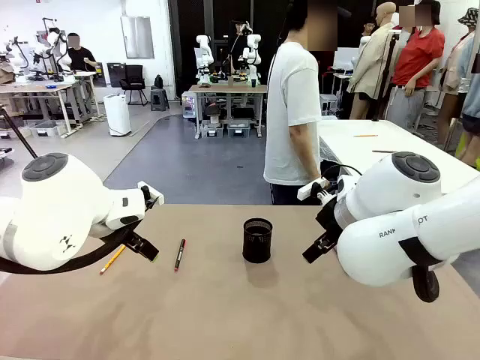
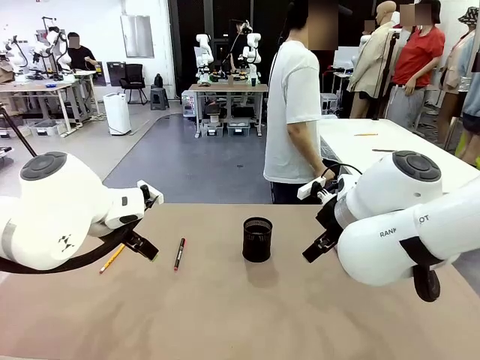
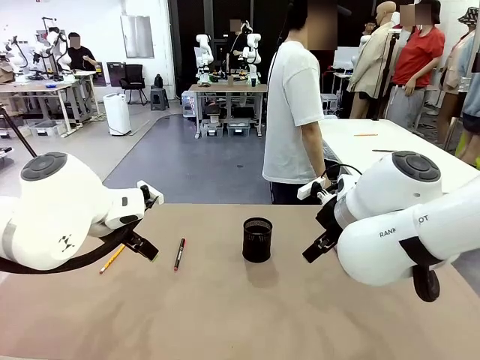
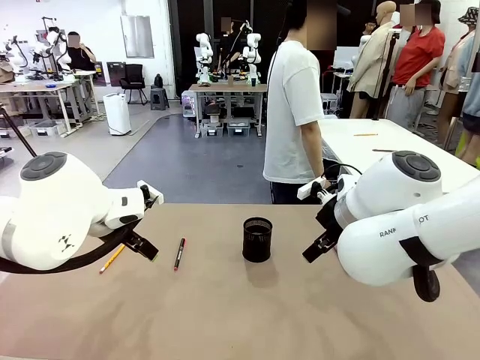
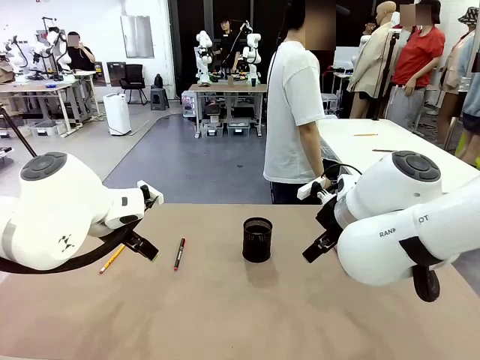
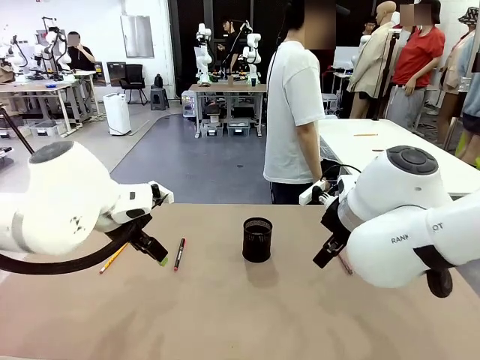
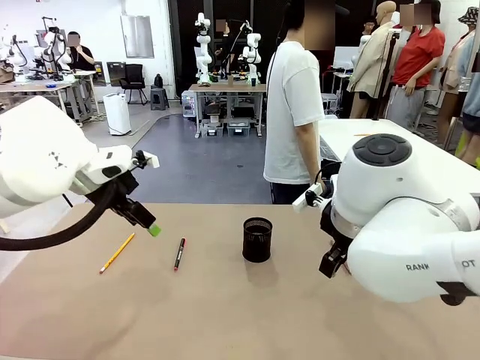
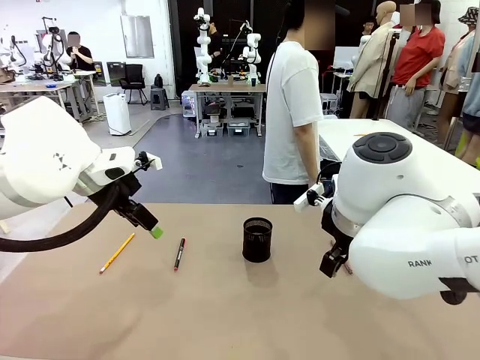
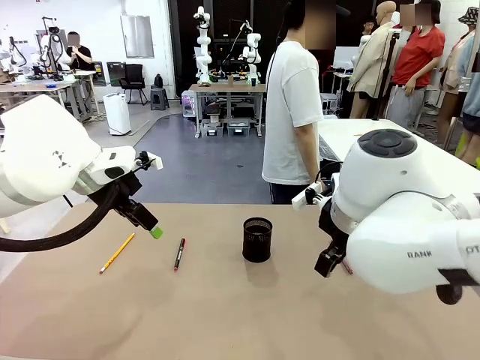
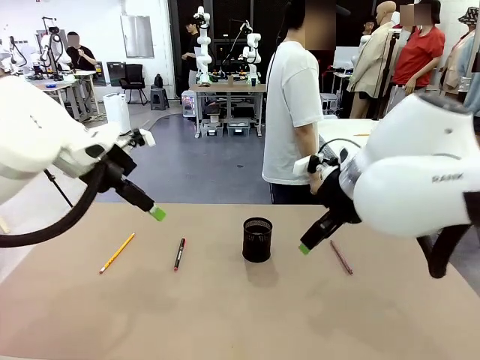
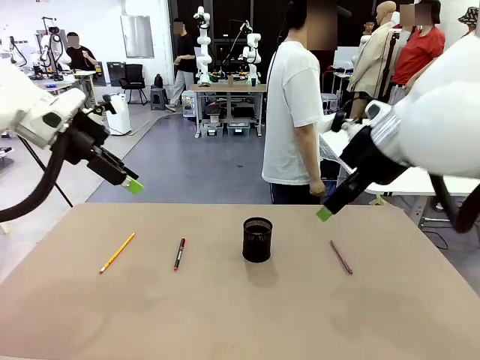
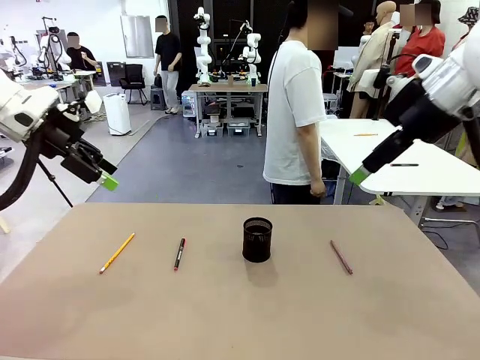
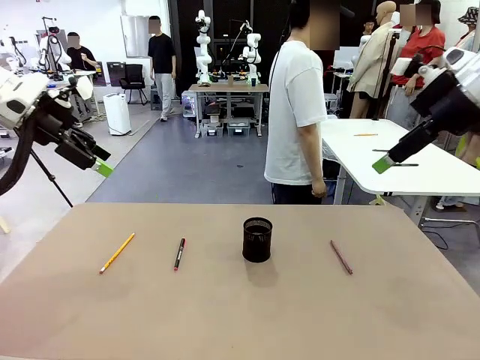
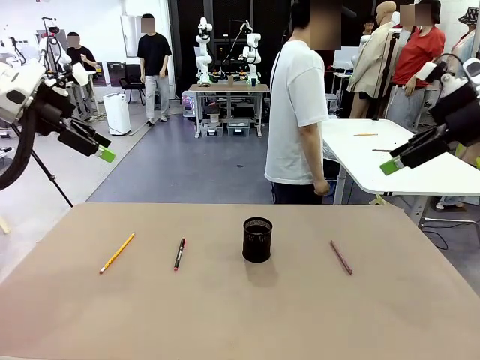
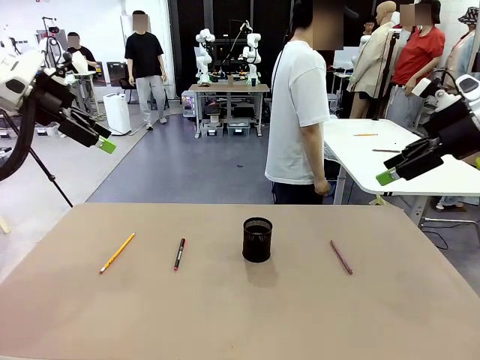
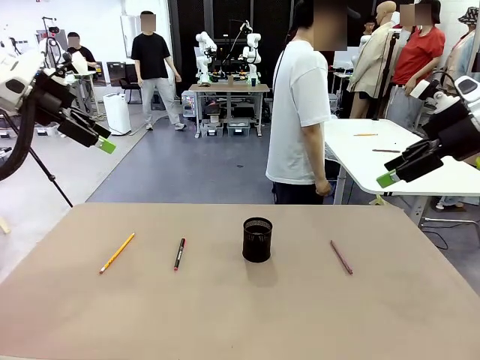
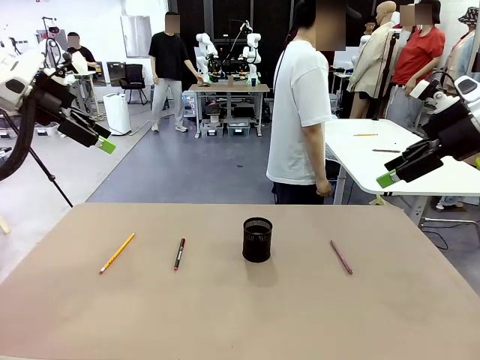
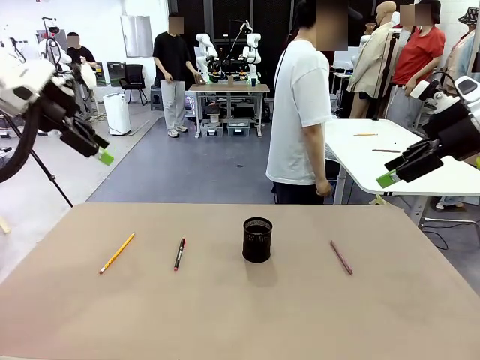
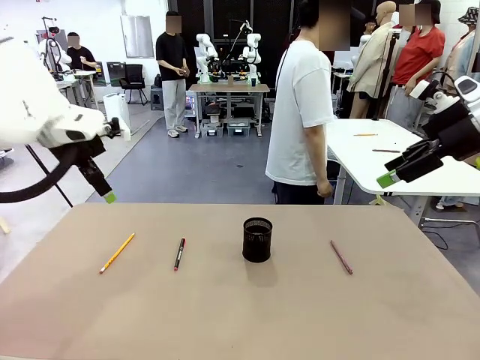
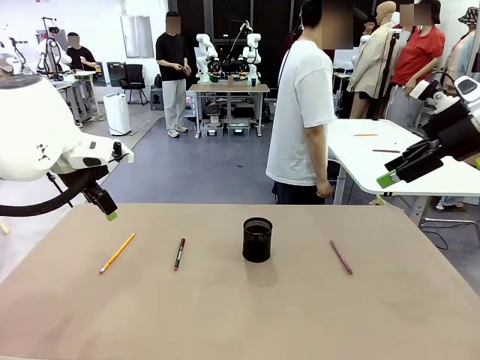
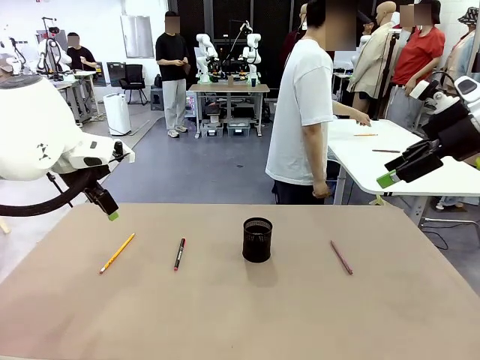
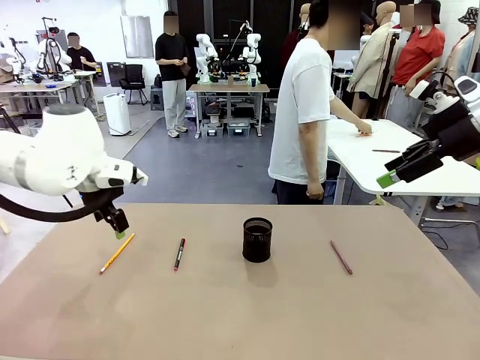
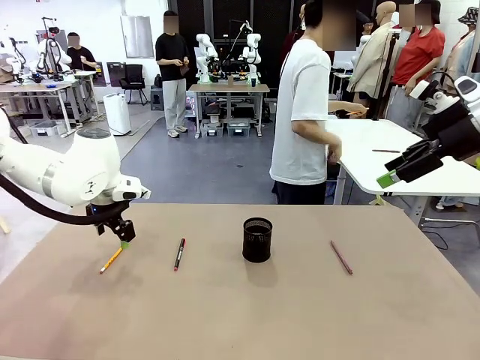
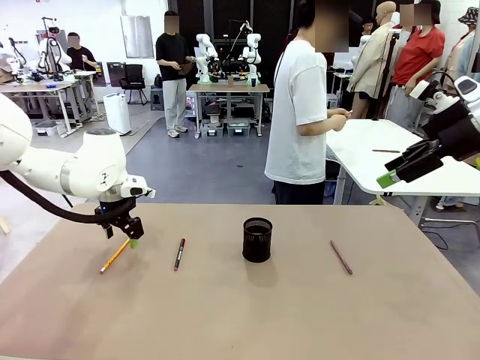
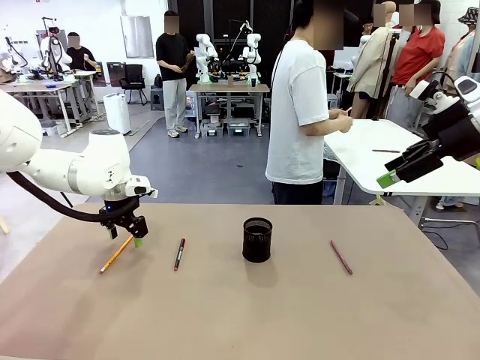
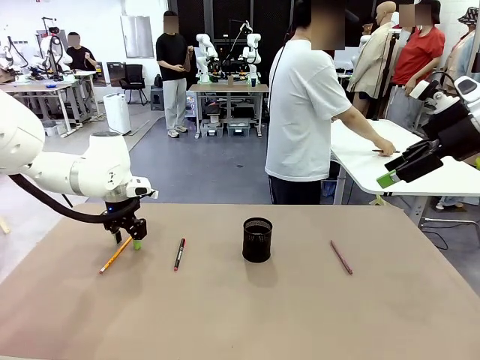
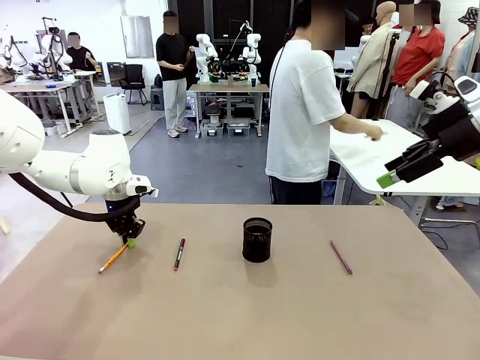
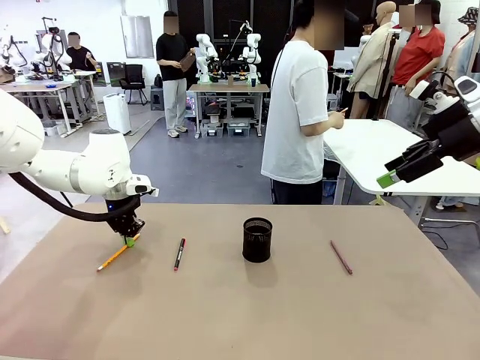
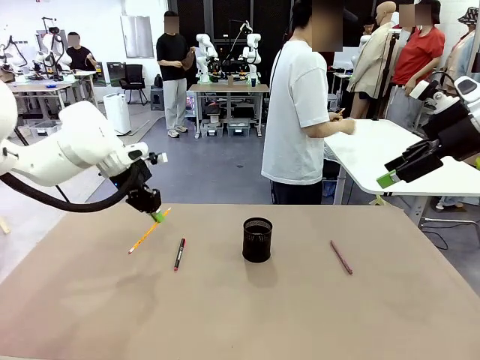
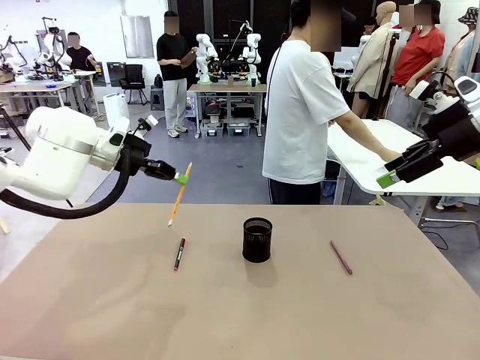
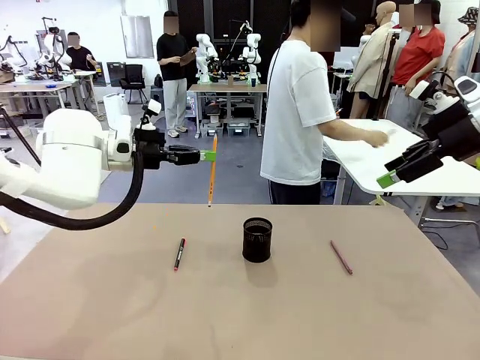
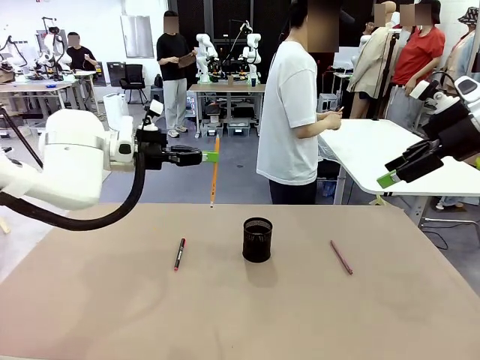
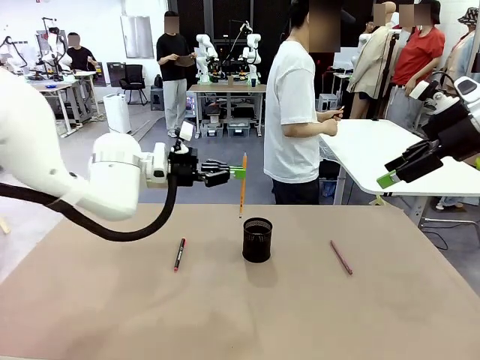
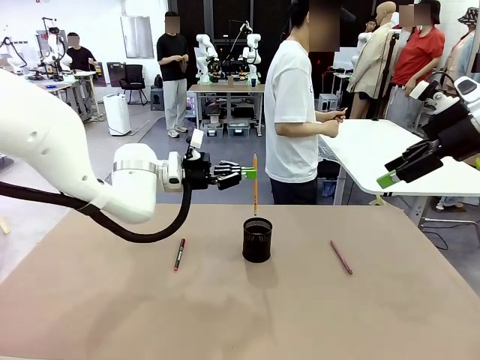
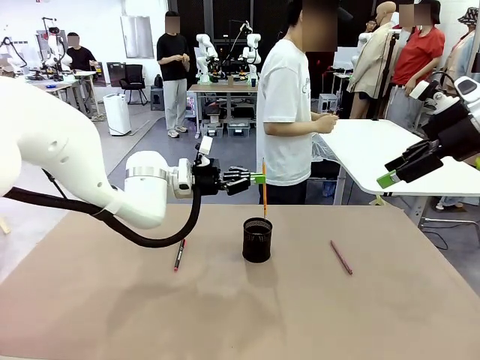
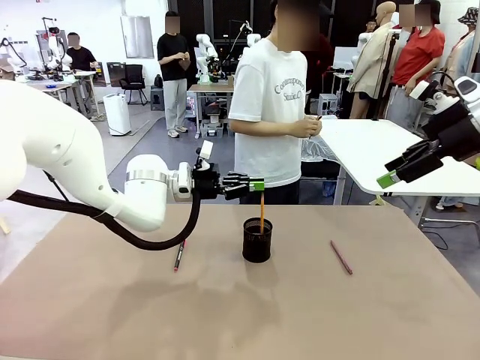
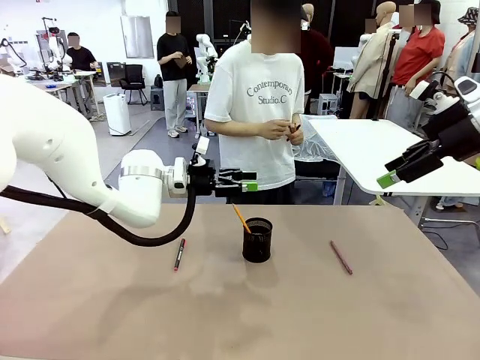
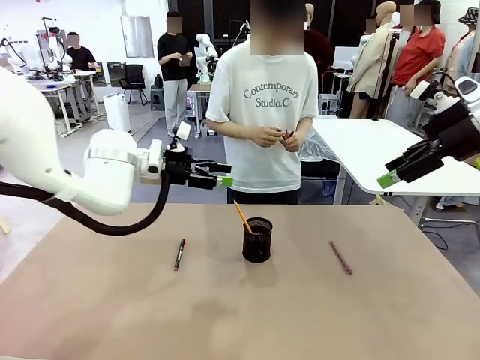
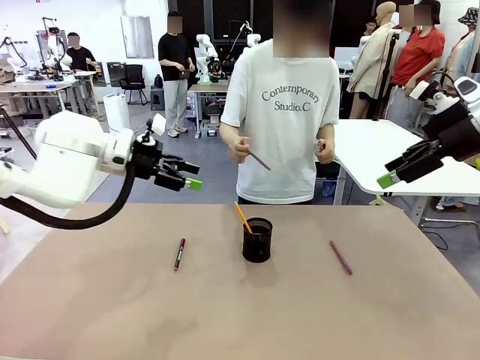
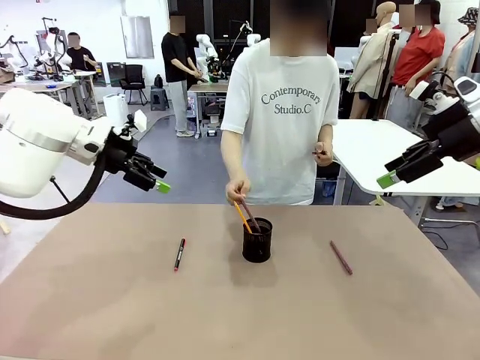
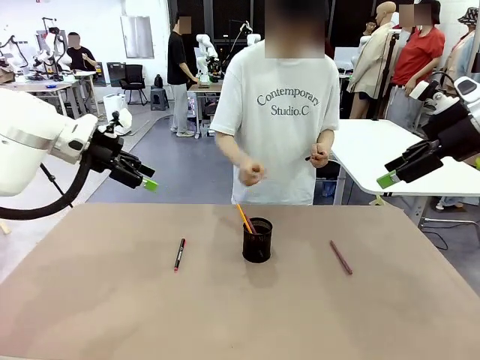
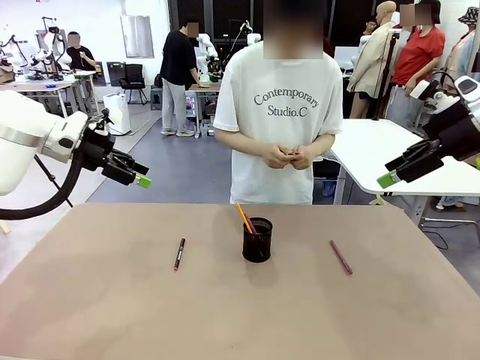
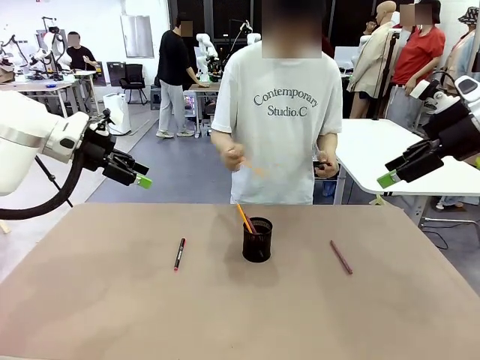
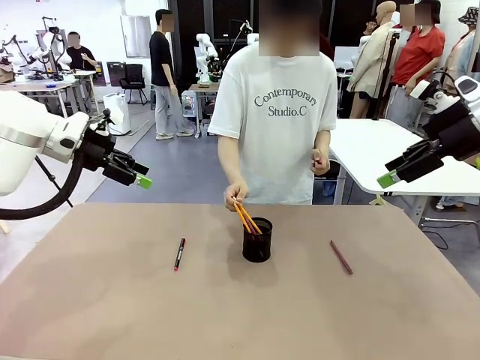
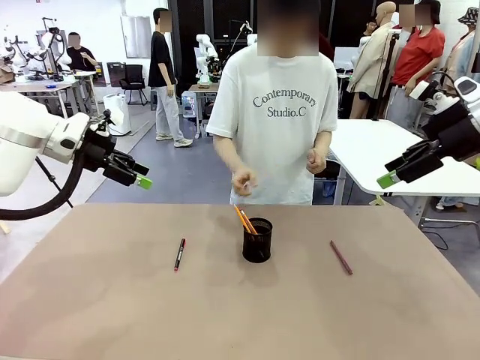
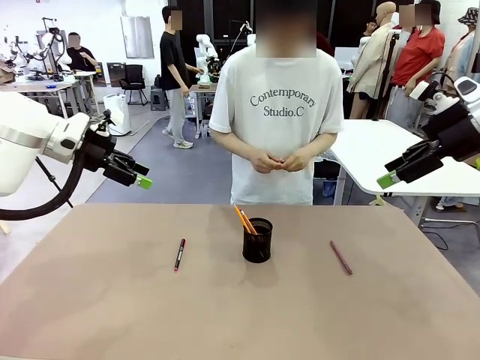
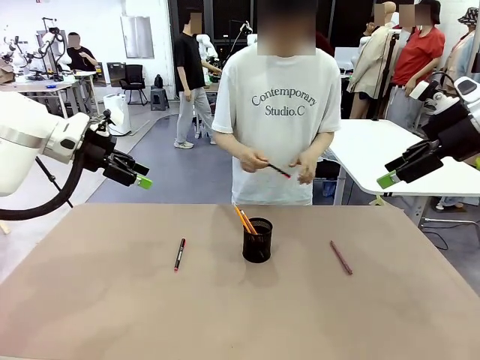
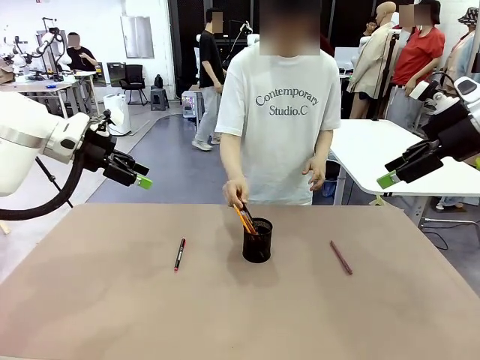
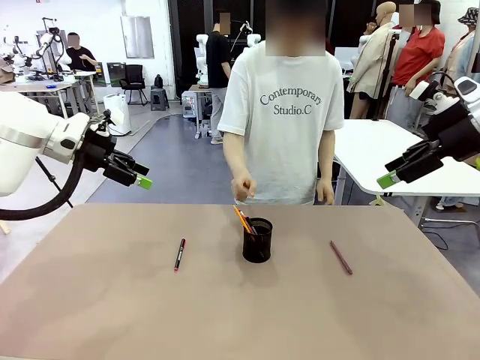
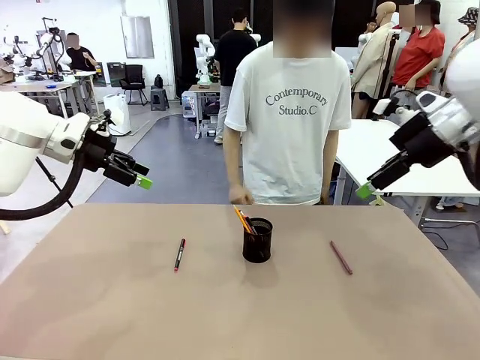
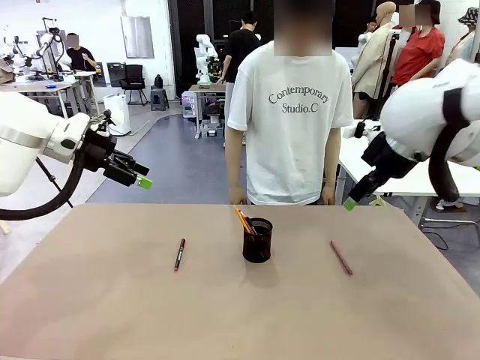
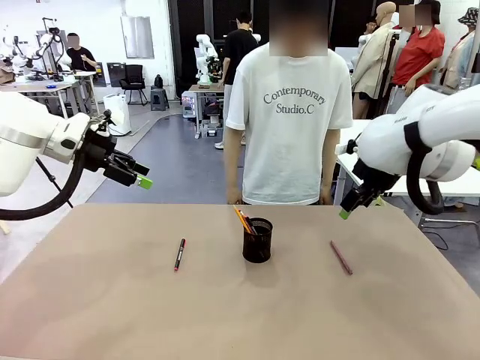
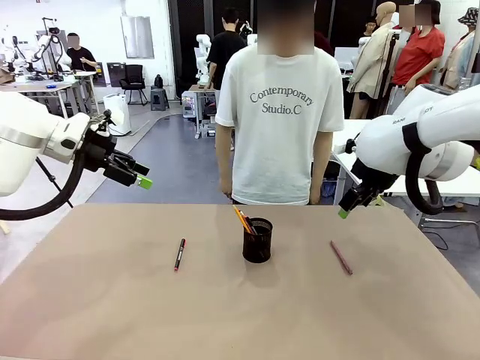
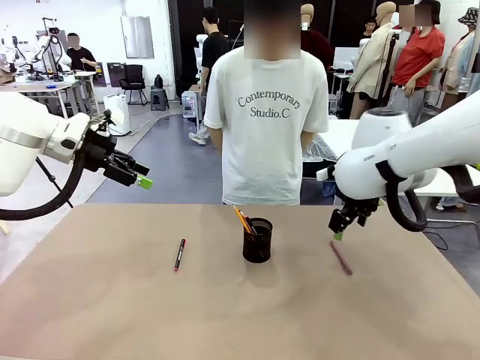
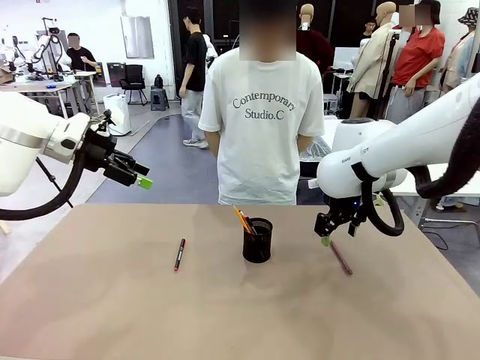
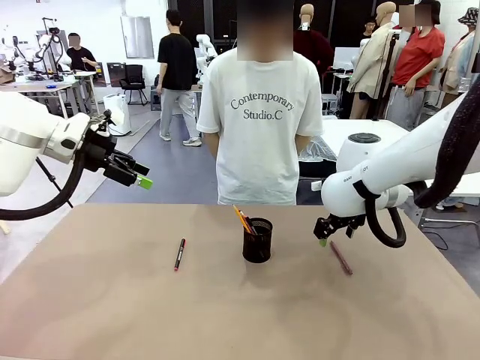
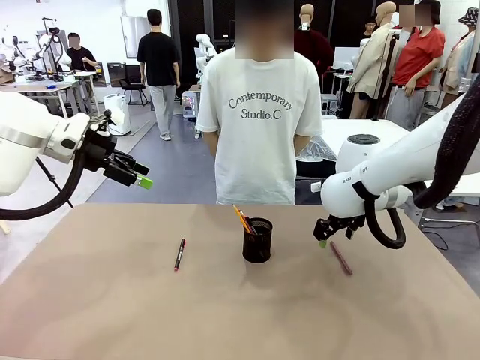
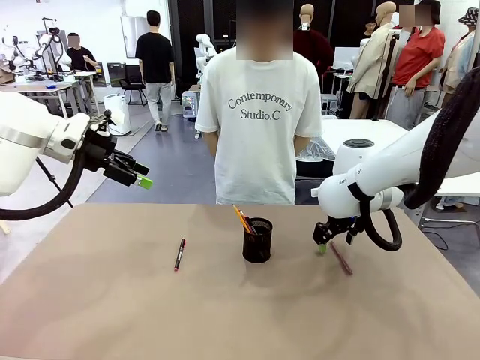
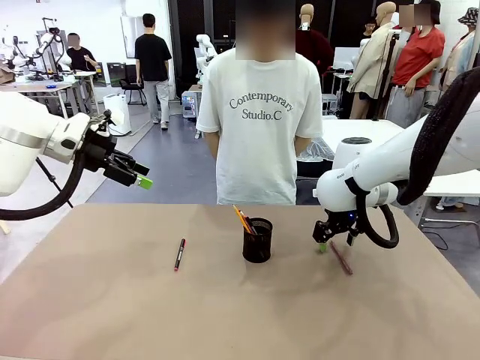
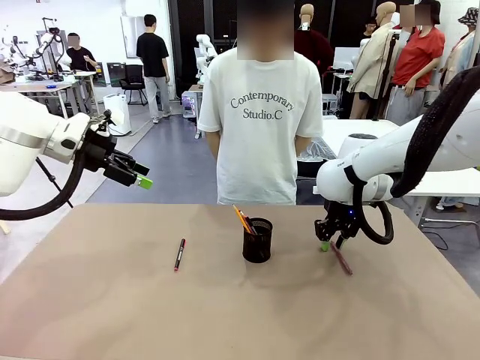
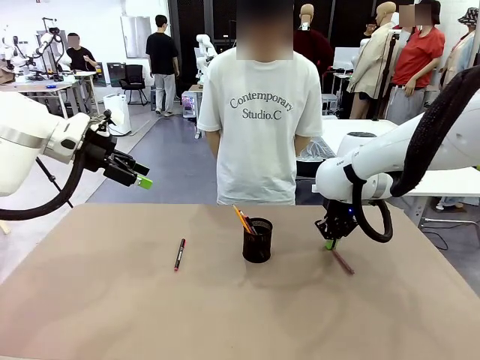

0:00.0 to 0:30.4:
Task: Place the pens into the pen holder.
Robot: Pick up a writing instrument from the table and place it into the Pen holder.
Person: Pick up all writing instruments from the Human table.
